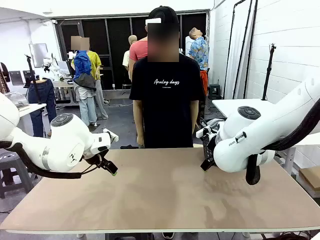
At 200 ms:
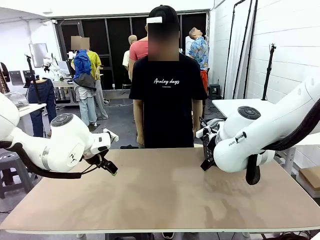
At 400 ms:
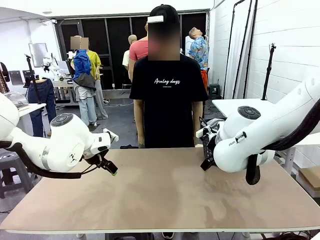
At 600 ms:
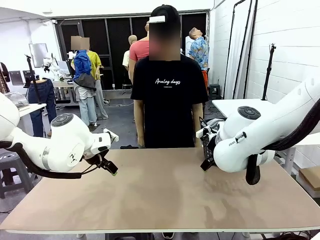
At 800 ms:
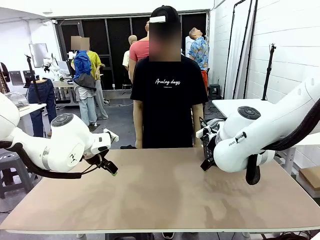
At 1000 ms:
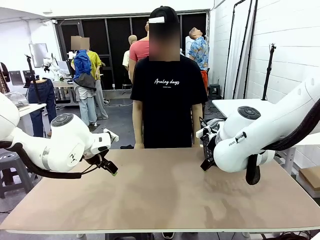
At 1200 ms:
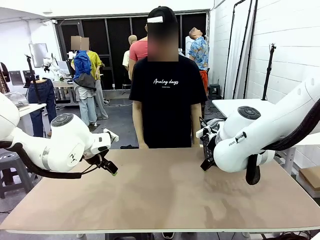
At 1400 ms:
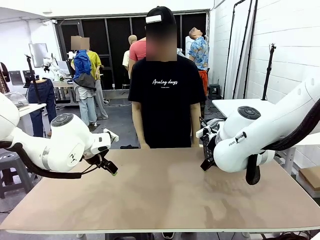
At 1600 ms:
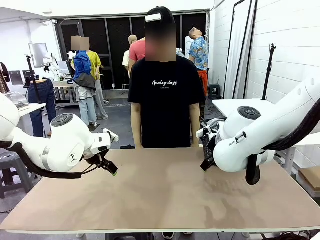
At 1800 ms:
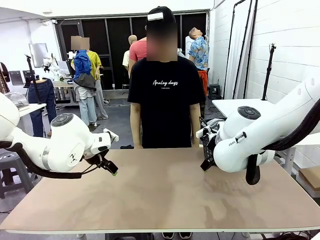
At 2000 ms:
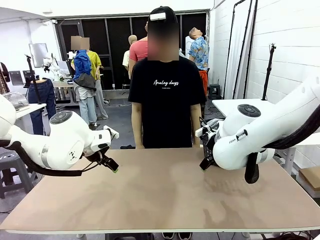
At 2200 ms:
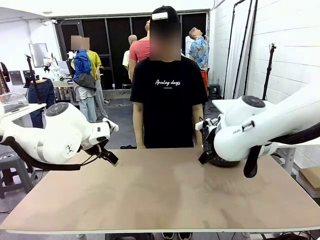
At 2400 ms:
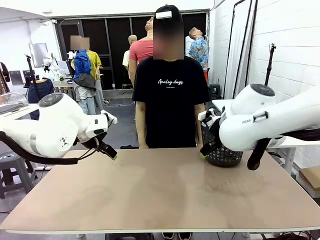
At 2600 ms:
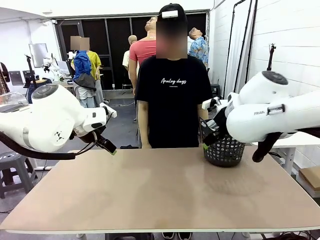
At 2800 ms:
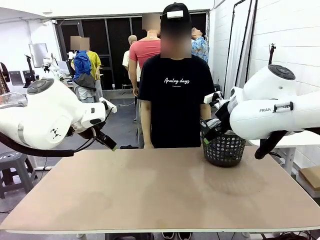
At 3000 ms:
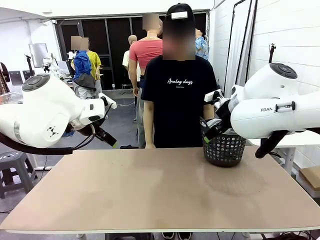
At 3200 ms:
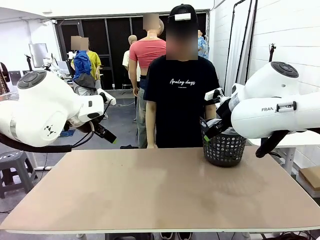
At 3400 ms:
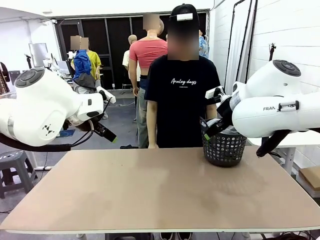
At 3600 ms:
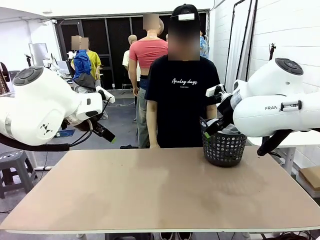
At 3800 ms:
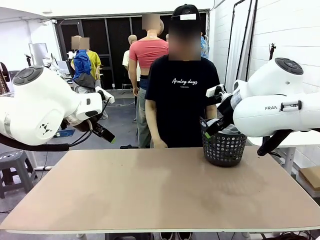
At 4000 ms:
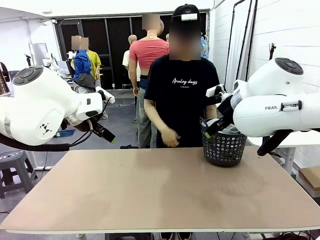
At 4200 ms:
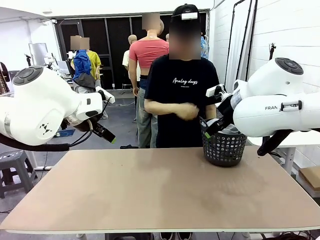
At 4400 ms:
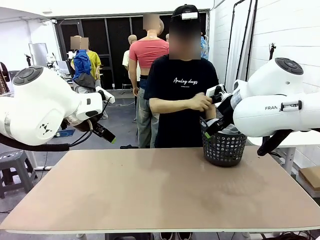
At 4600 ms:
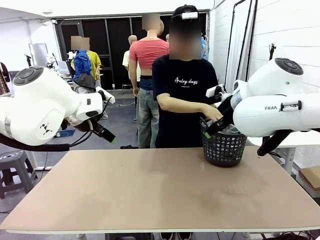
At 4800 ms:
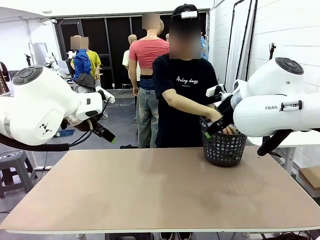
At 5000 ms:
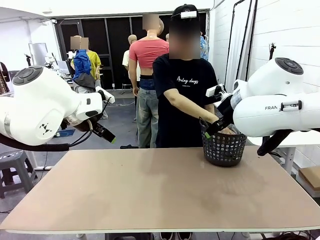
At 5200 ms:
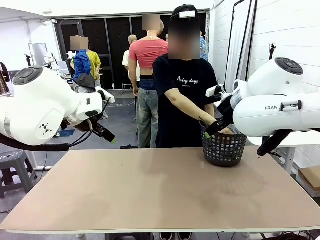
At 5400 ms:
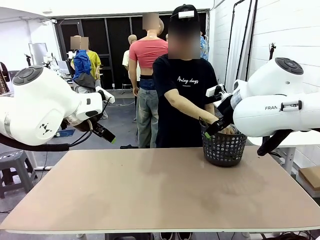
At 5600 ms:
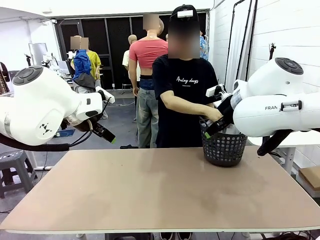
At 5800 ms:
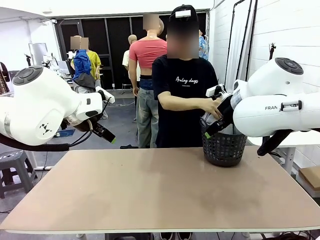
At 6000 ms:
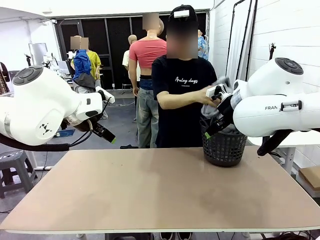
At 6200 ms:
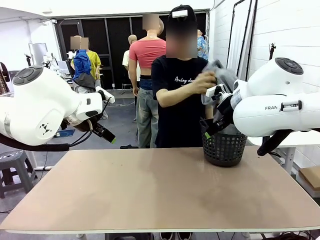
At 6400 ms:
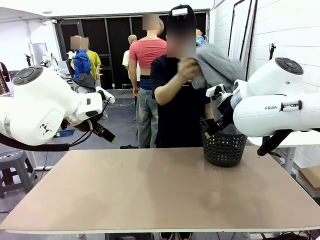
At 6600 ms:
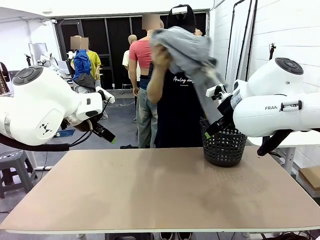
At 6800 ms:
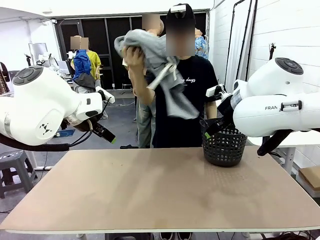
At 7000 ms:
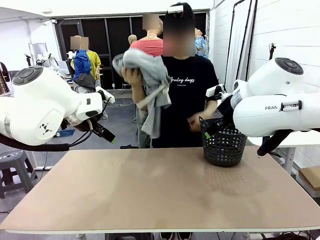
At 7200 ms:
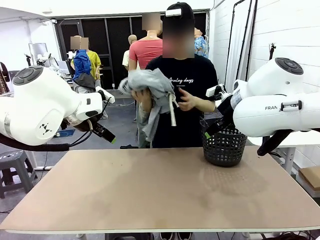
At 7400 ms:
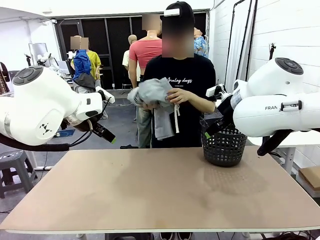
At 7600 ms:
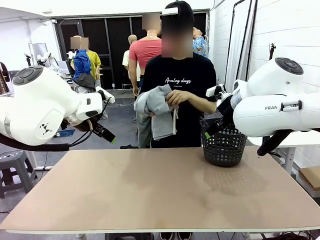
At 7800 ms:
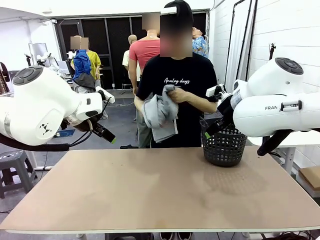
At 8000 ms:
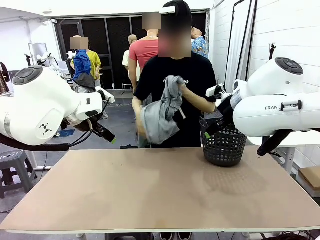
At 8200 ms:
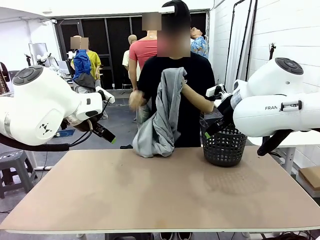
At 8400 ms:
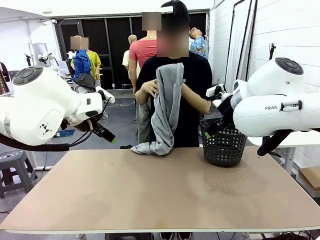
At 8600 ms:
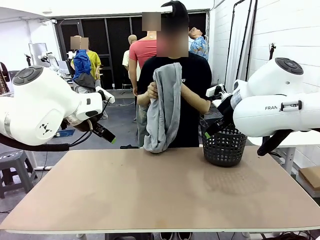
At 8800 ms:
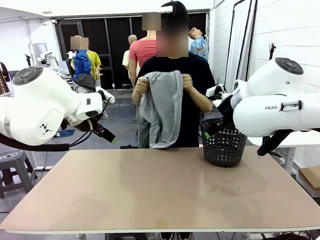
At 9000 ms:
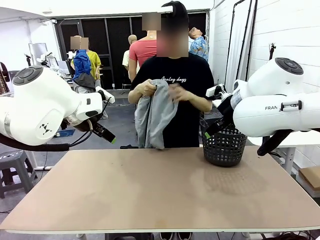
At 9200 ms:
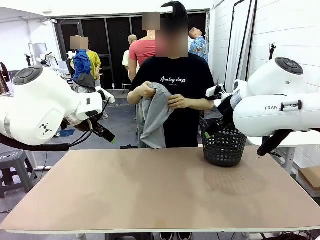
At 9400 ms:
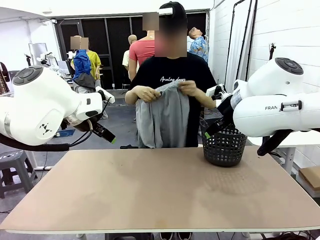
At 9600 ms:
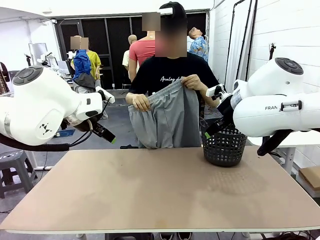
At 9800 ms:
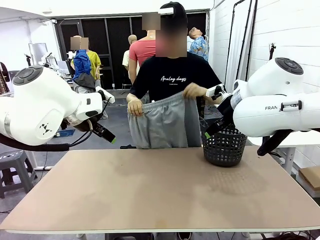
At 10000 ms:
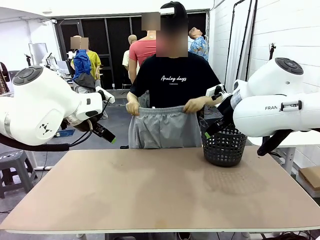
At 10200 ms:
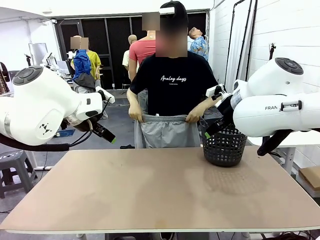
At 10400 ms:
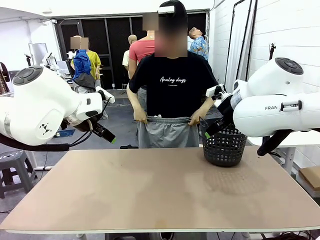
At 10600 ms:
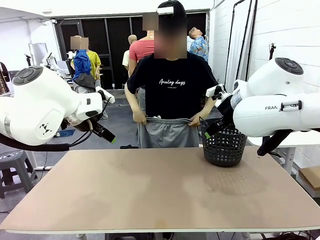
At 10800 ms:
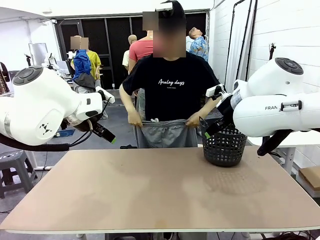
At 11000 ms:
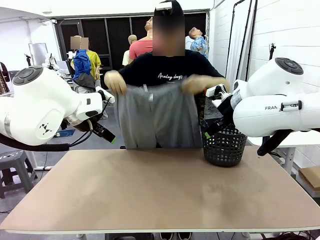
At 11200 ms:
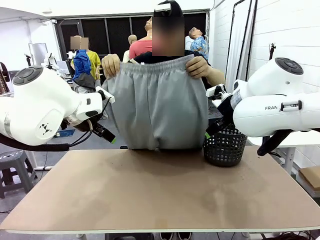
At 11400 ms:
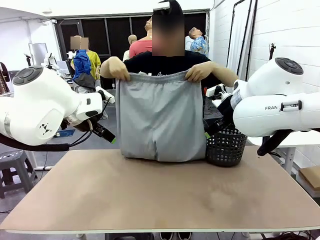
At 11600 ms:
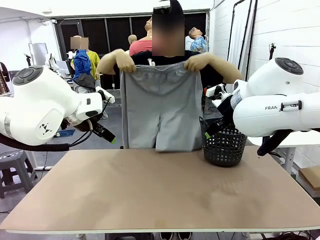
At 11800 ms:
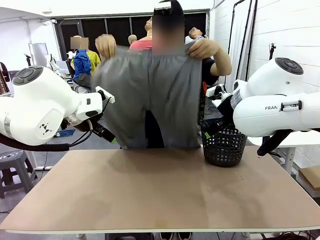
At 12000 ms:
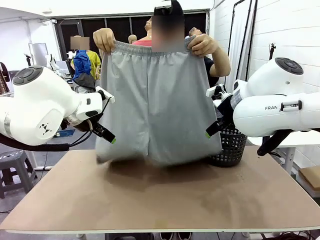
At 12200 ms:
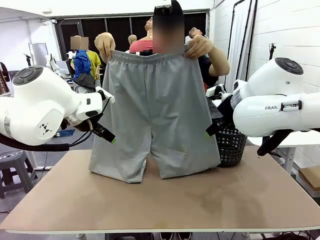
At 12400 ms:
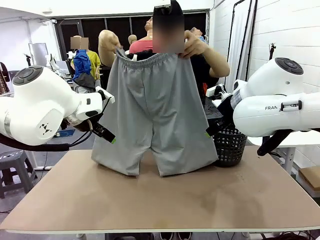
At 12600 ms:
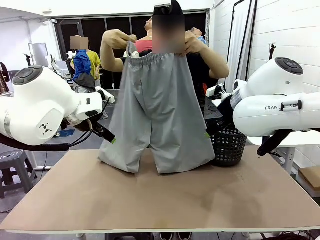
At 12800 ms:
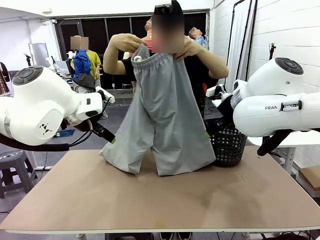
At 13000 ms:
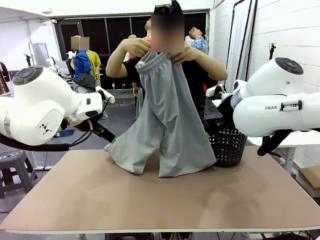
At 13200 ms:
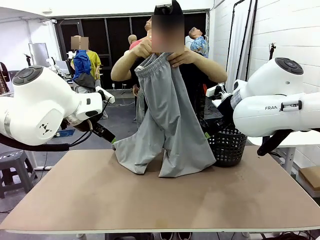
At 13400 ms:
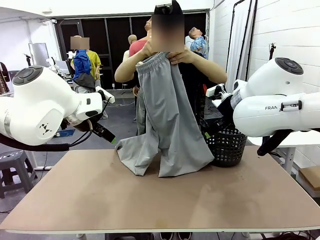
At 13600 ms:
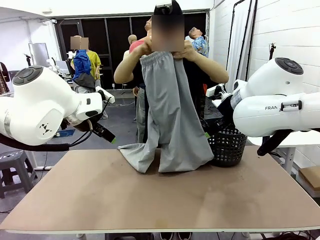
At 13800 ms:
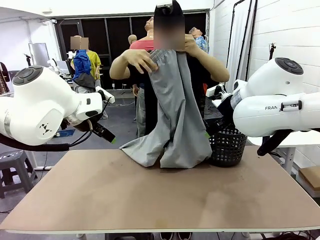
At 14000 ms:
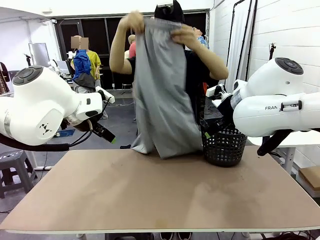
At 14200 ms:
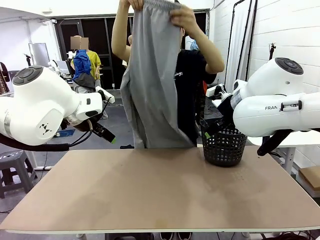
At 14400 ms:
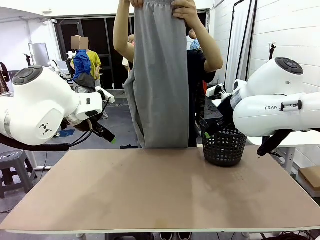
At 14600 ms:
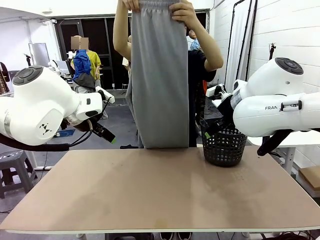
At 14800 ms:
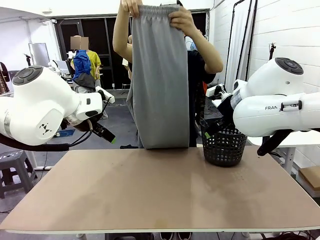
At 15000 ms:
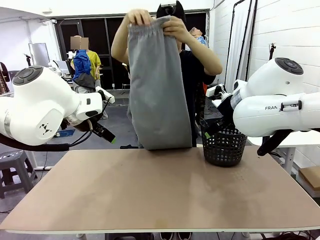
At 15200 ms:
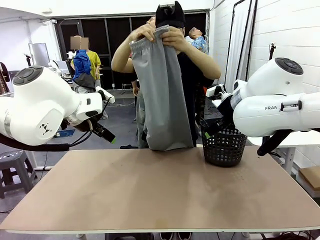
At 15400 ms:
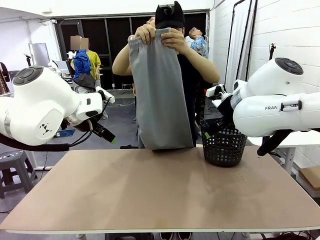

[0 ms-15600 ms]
Task: Fold the training pants.
Robot: Grab both ends of the Training pants handed by a person.
Person: Take the long pants out of the laundry basket, unfold them, fold the waist in half, and extend them so the robot can pick up both corners.
